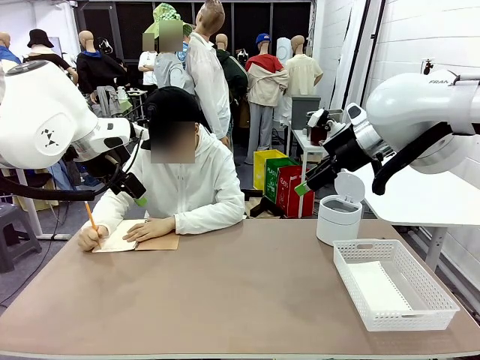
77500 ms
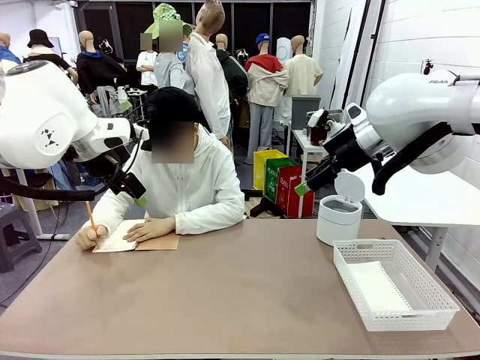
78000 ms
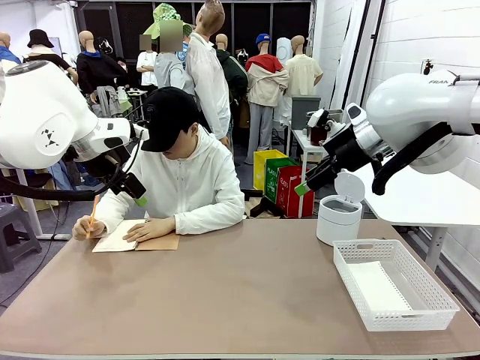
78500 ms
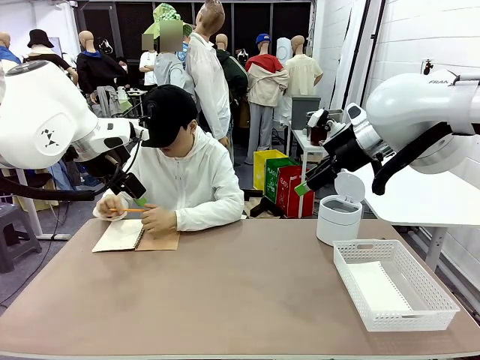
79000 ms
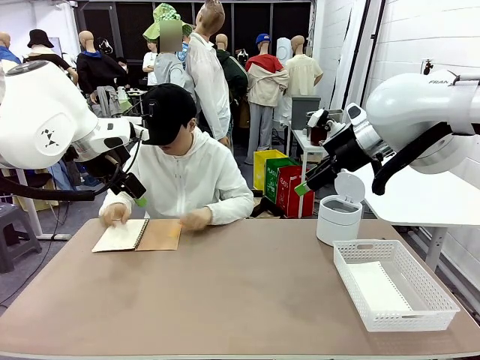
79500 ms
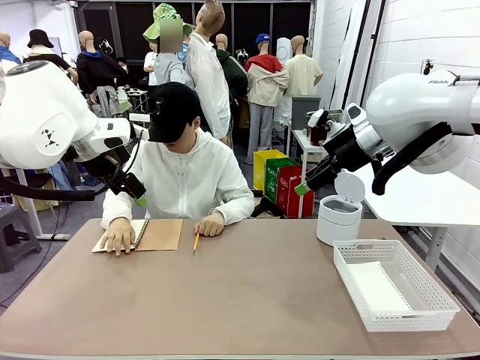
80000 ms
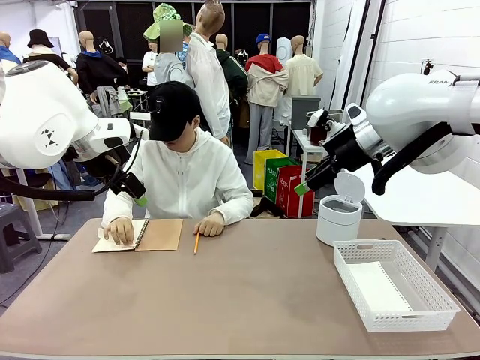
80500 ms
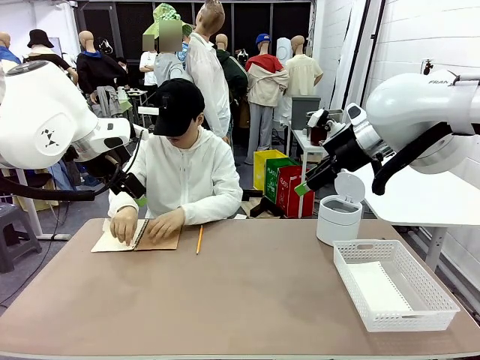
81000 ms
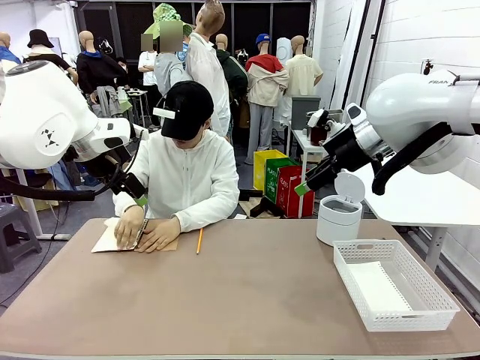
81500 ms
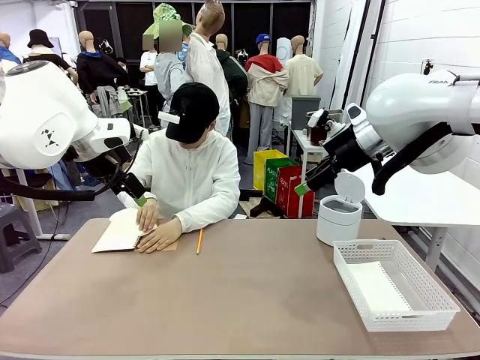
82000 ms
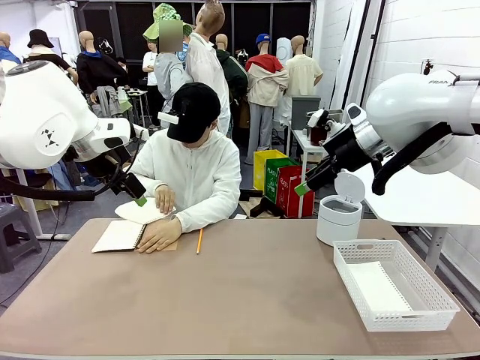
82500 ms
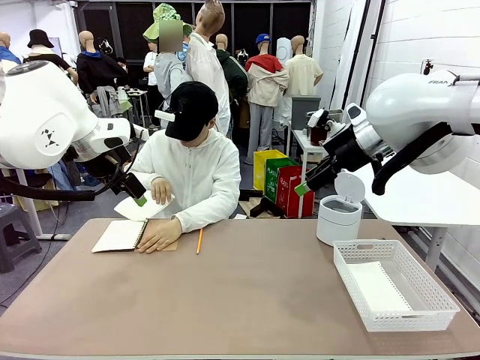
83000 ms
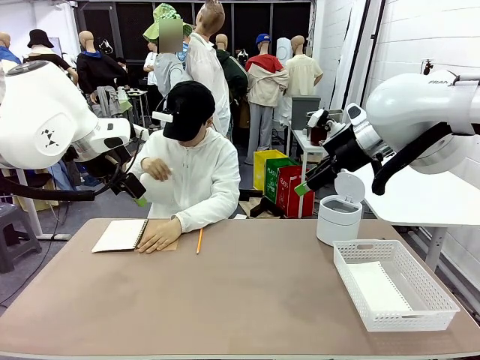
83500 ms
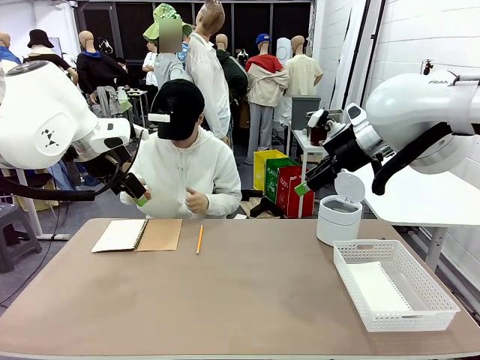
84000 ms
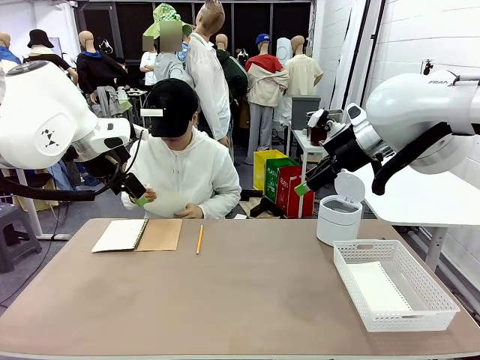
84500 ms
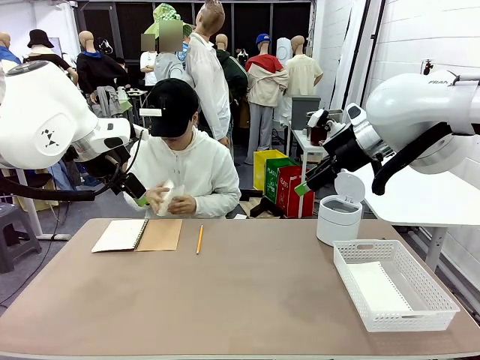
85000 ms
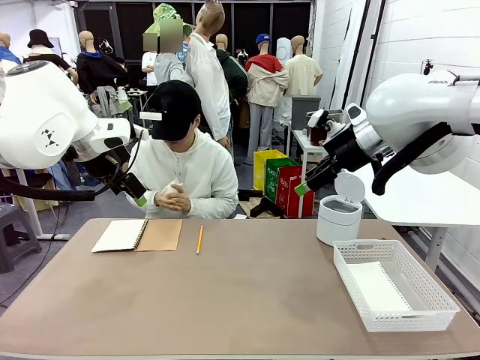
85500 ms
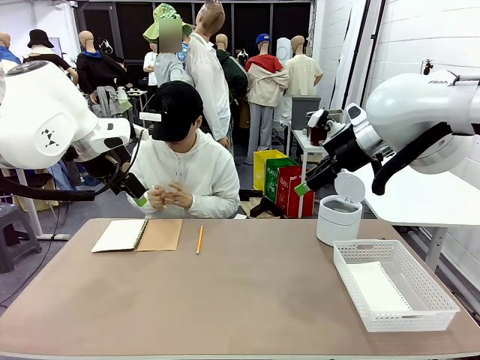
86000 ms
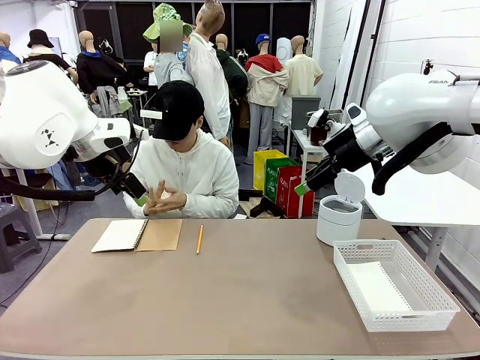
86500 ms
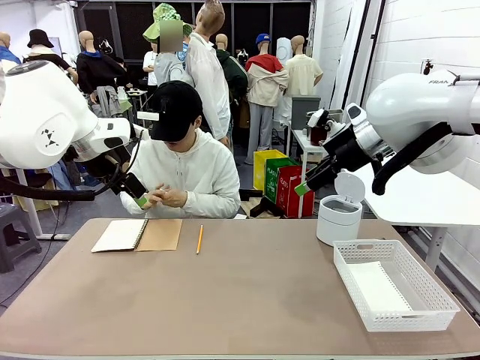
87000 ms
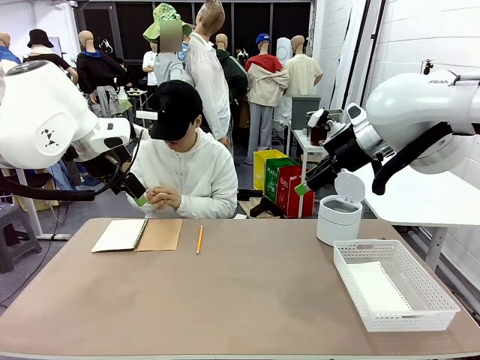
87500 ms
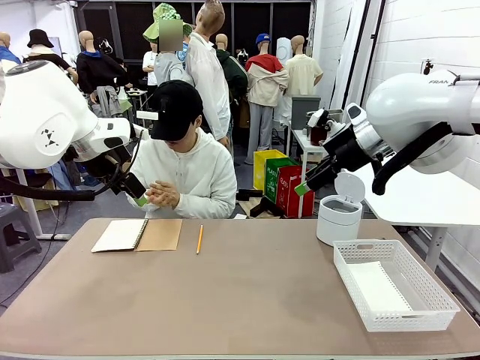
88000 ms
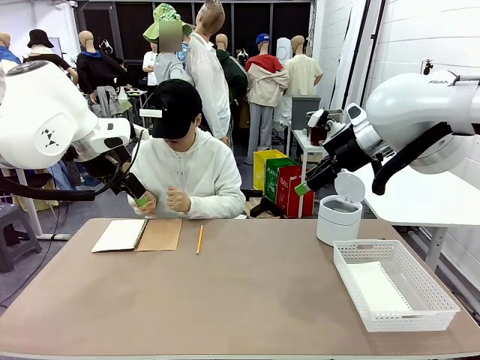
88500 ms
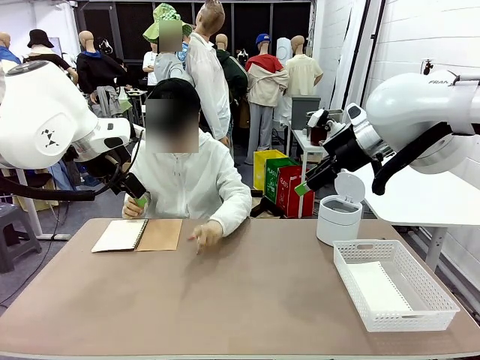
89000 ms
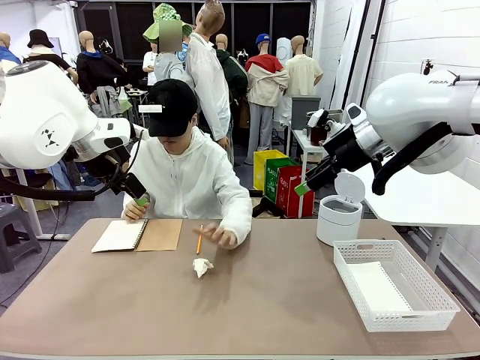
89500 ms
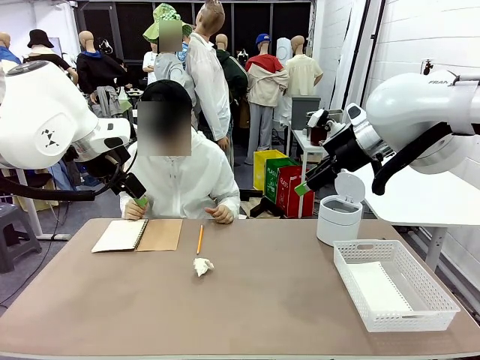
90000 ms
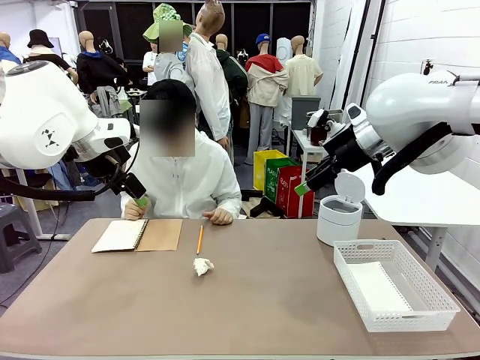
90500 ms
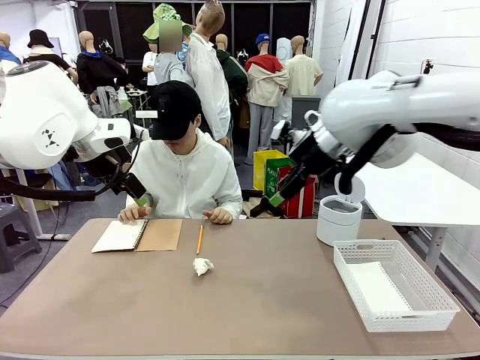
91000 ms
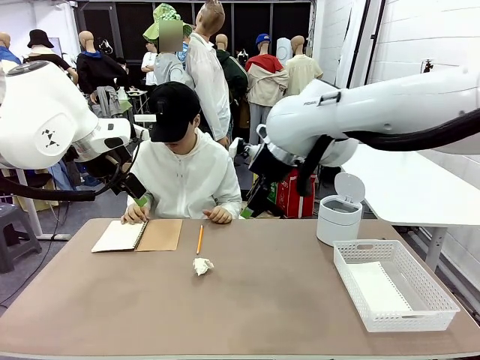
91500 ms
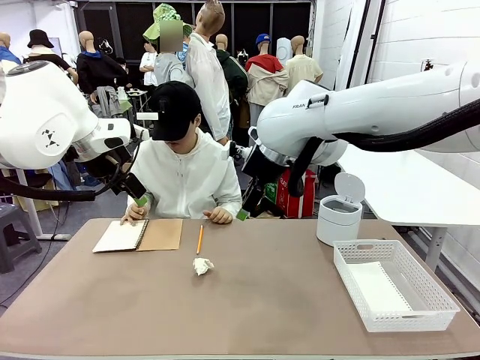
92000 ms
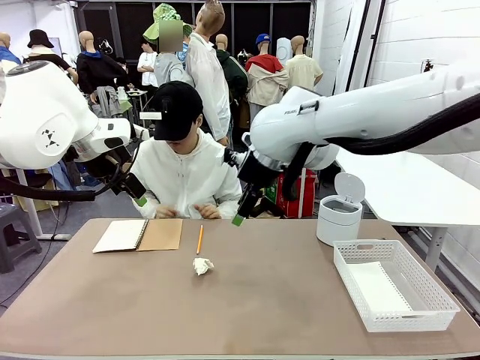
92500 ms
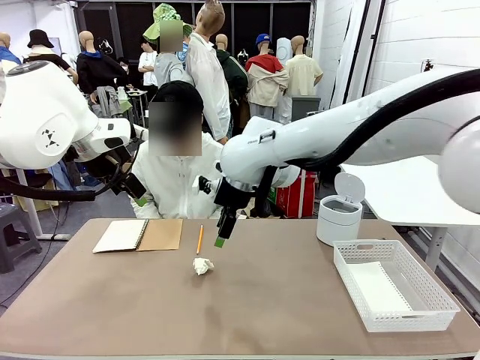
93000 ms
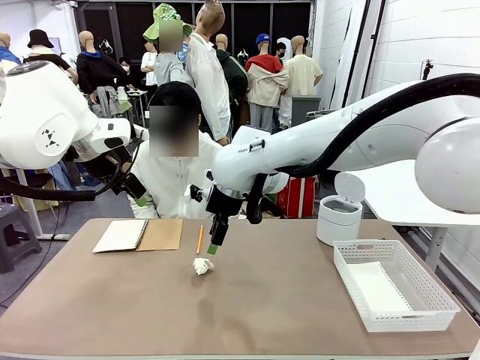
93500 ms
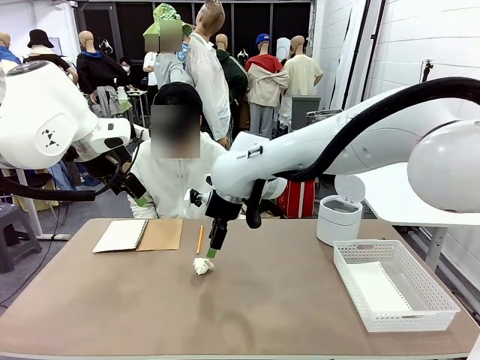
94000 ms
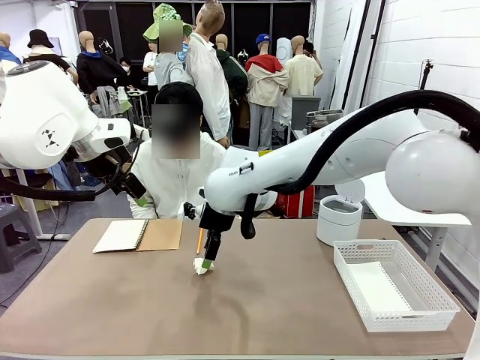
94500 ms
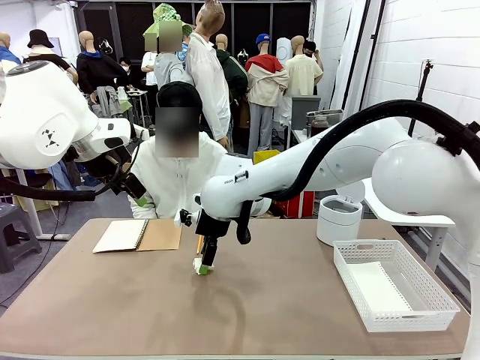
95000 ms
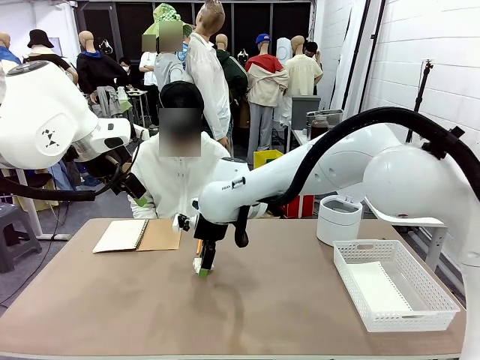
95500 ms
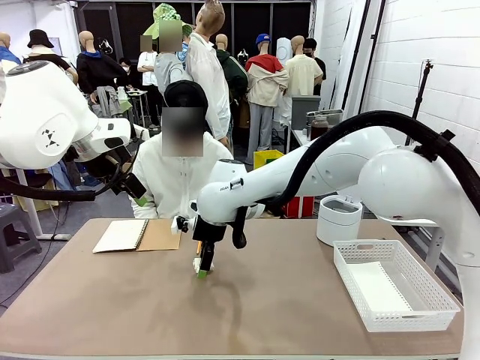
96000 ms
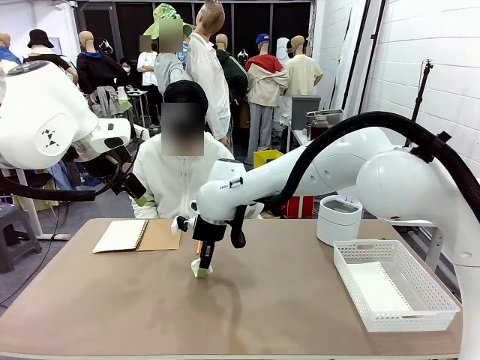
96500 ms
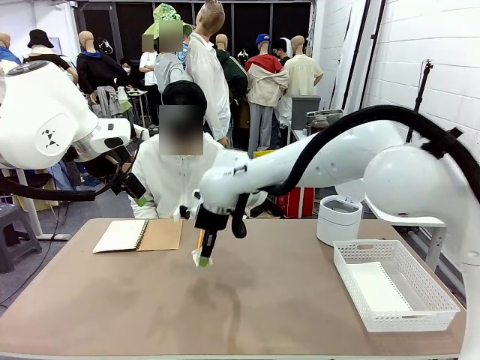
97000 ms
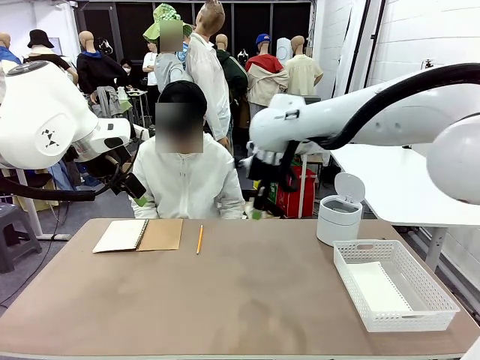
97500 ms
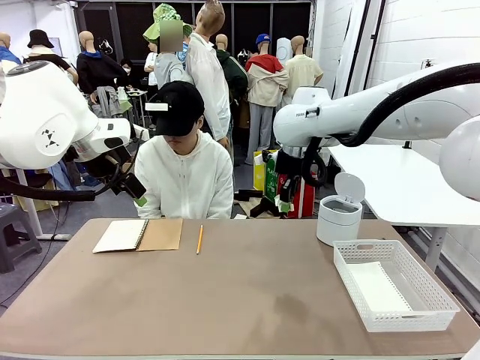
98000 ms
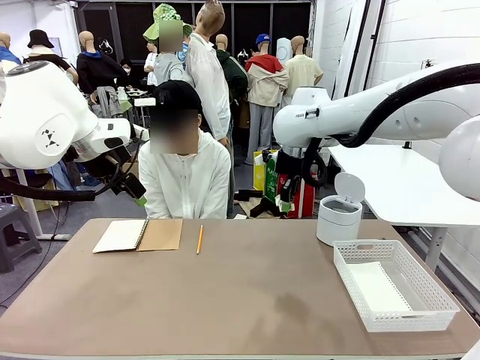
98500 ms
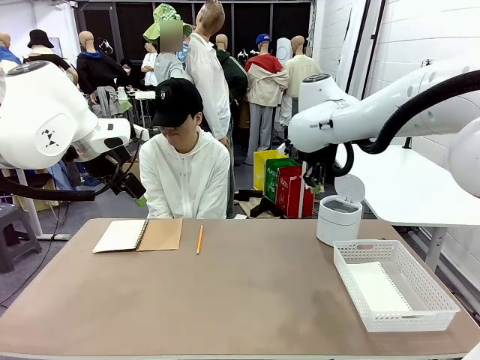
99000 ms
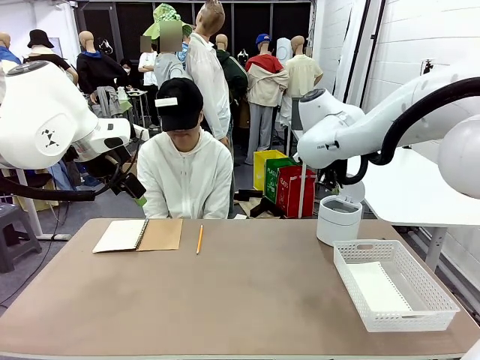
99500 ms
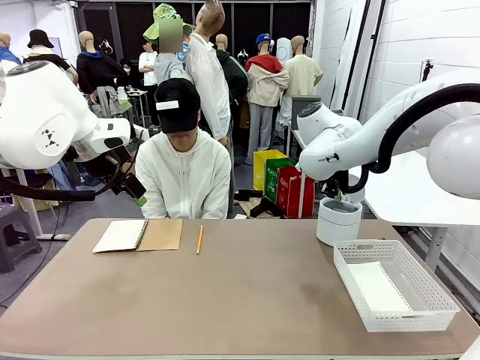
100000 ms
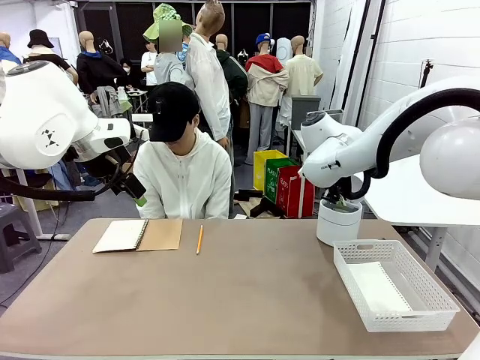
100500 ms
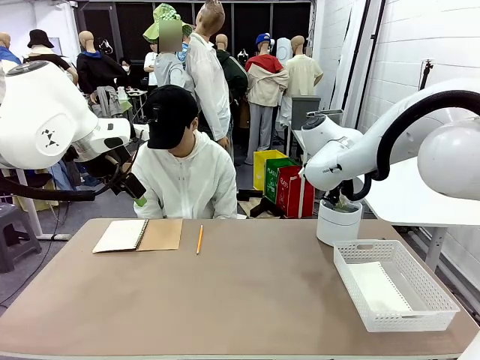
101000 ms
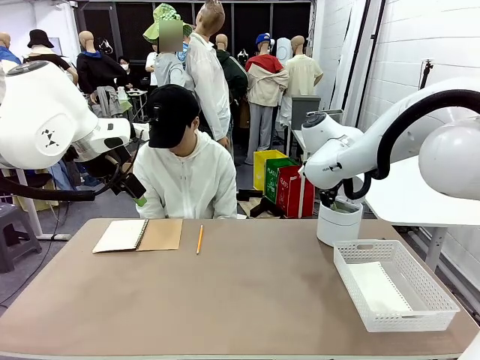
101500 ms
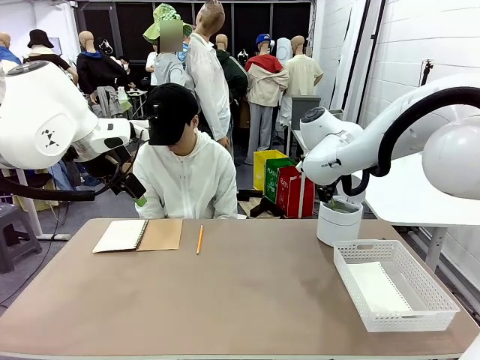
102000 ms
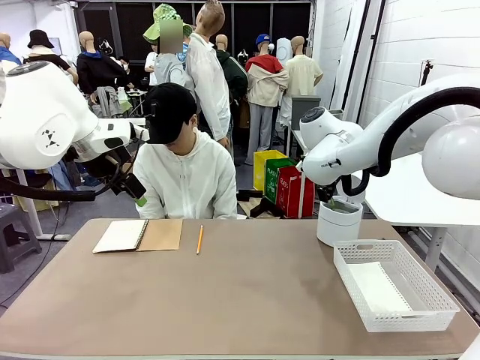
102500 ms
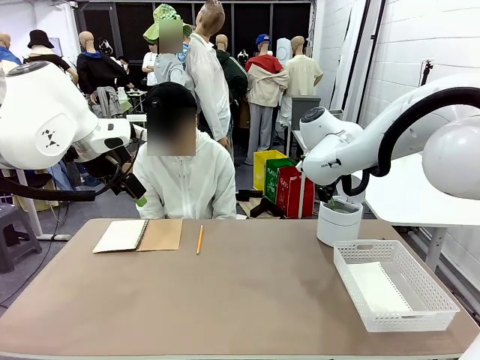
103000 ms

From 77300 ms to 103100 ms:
Task: Sort the paper based on its condition.
Robot: If a person hands you a paper, place it in the Organizing basket , and if it's crumpled, put it in the Trash can.
Person: Hand the torn page to the robot or crumple it and throw it to the center of the table.
